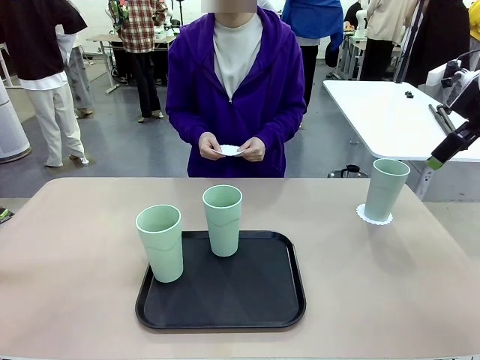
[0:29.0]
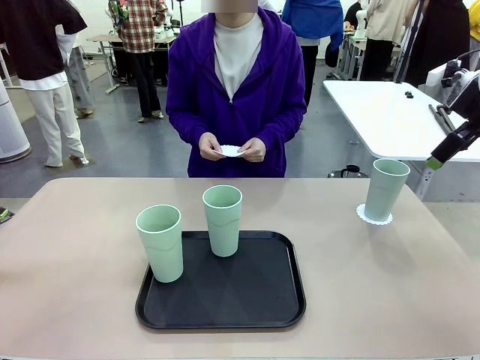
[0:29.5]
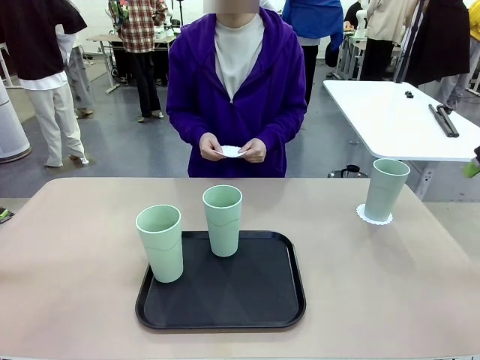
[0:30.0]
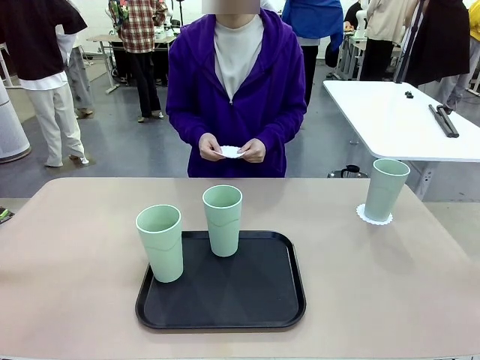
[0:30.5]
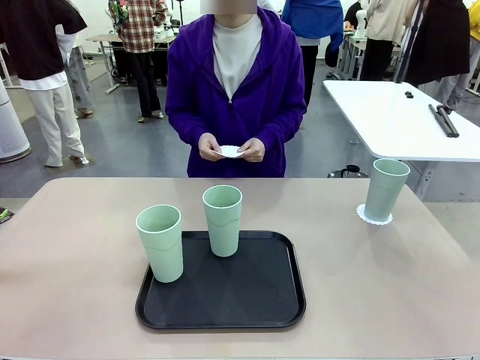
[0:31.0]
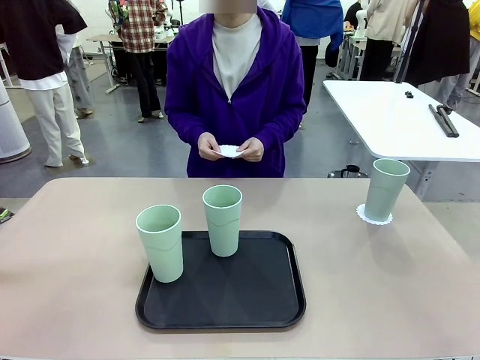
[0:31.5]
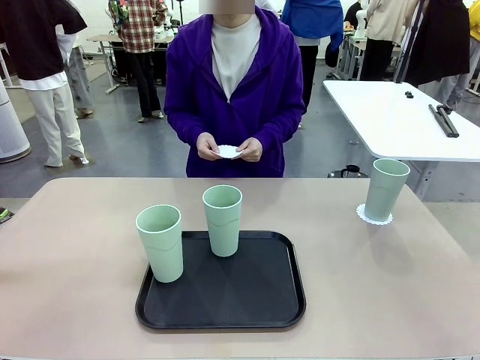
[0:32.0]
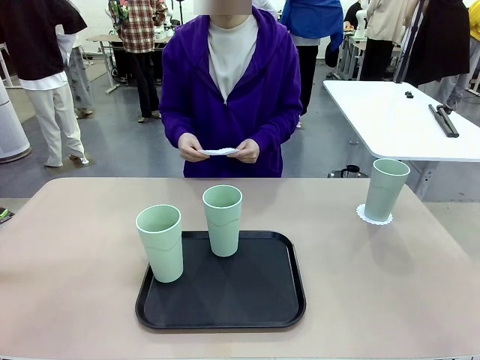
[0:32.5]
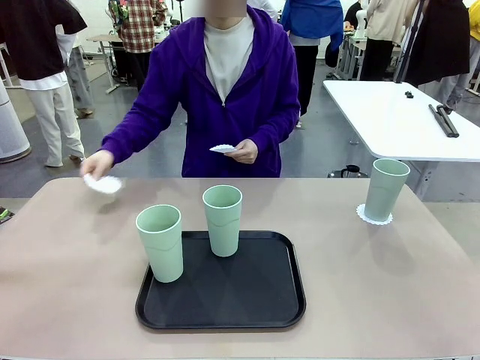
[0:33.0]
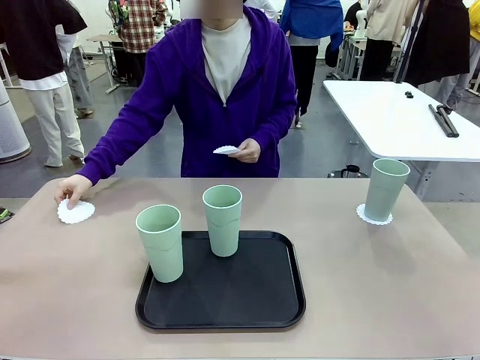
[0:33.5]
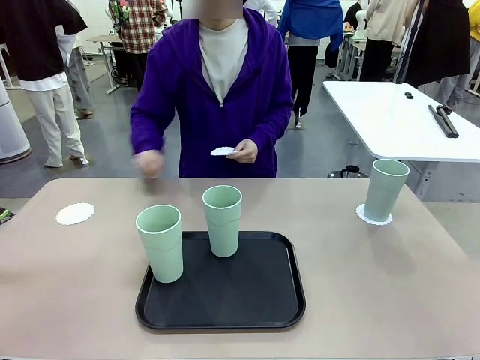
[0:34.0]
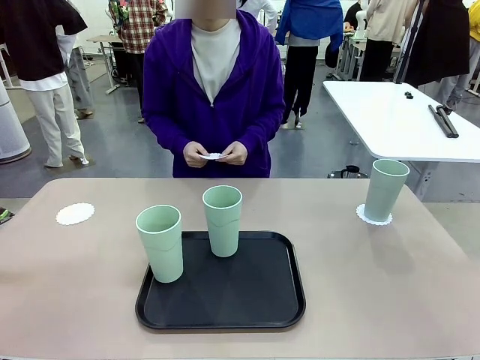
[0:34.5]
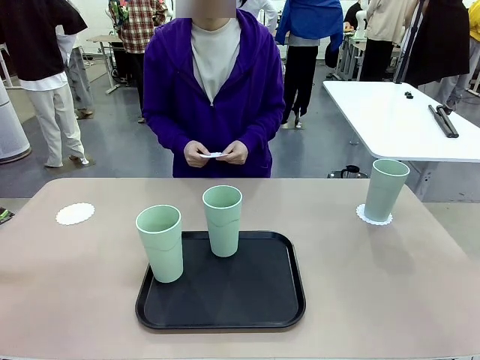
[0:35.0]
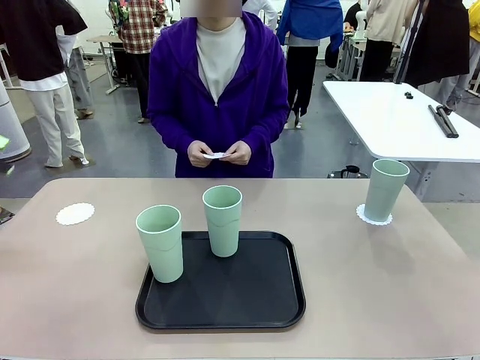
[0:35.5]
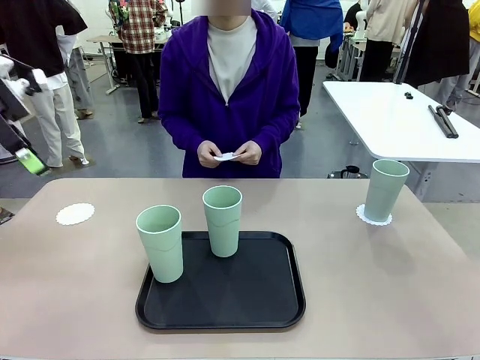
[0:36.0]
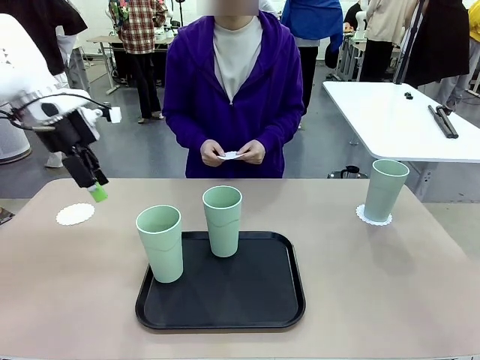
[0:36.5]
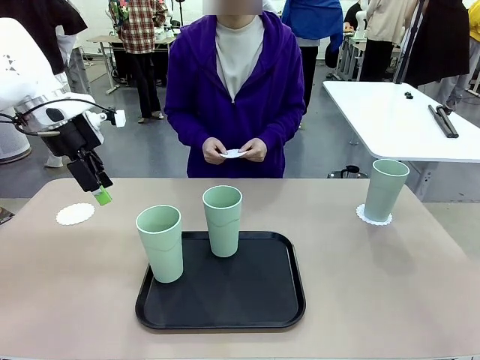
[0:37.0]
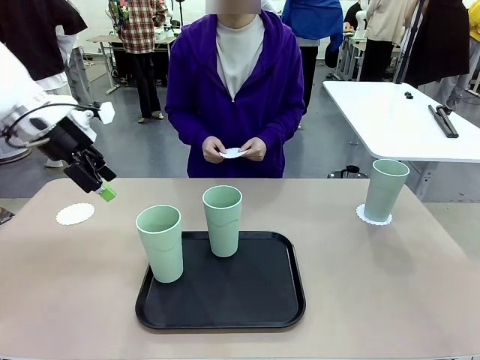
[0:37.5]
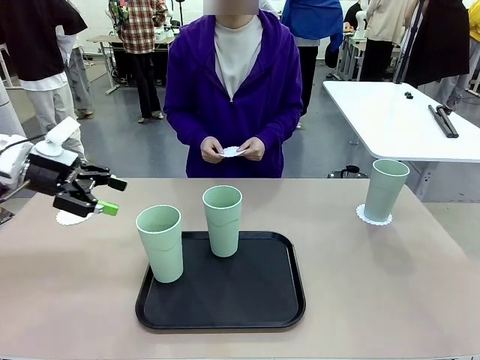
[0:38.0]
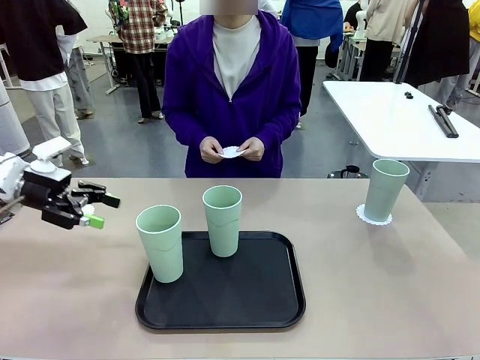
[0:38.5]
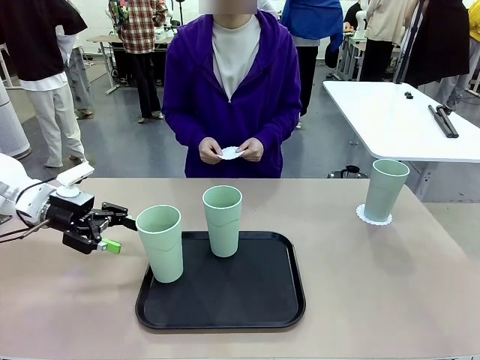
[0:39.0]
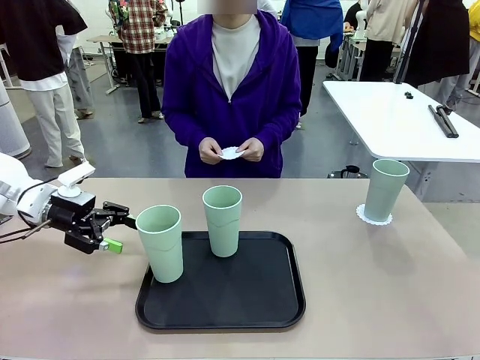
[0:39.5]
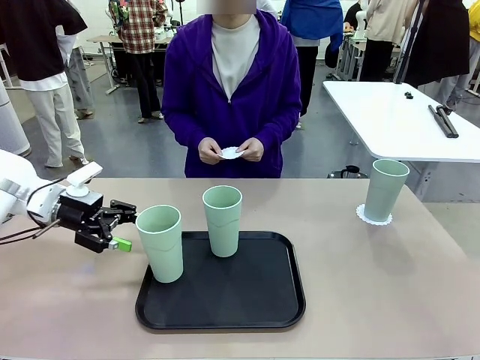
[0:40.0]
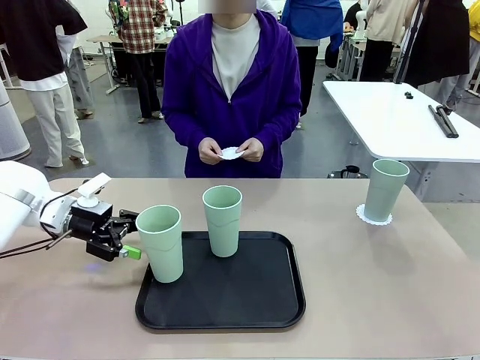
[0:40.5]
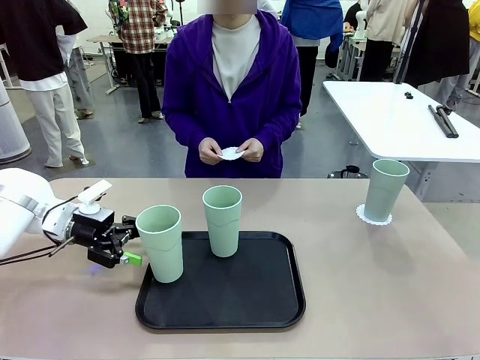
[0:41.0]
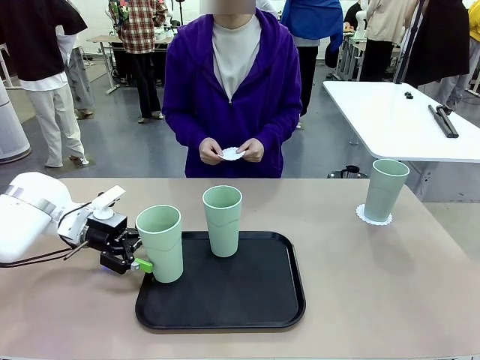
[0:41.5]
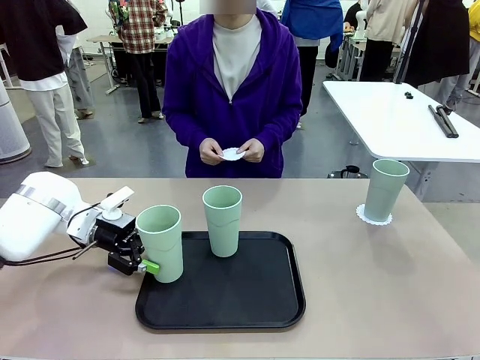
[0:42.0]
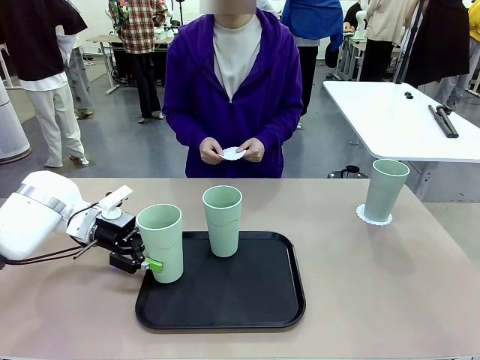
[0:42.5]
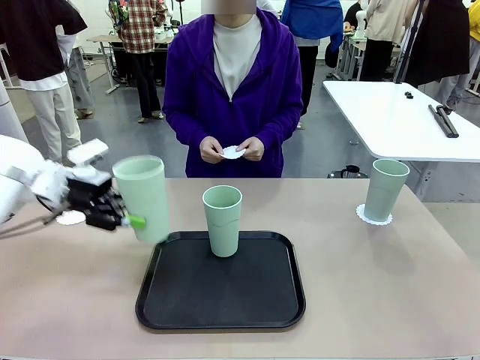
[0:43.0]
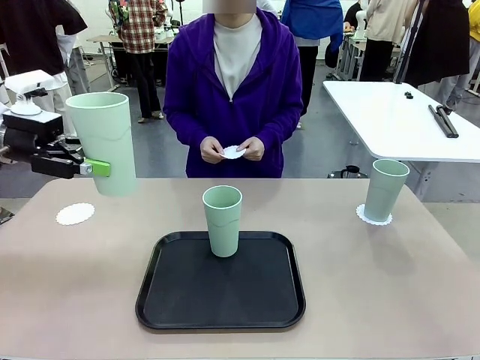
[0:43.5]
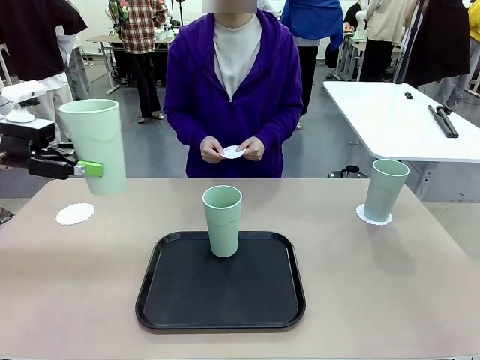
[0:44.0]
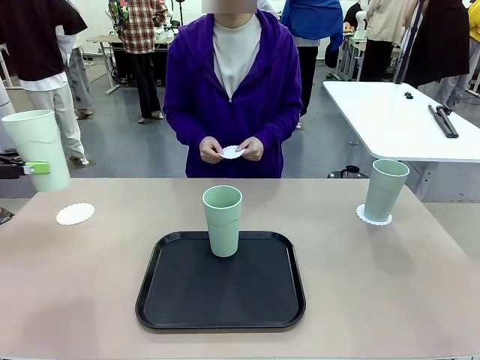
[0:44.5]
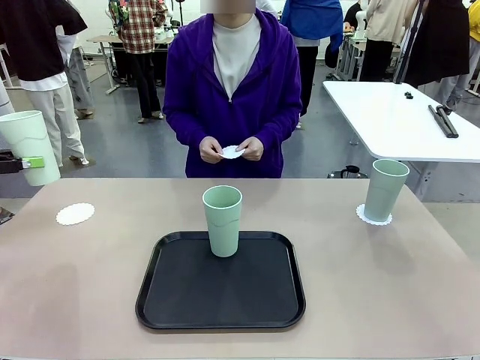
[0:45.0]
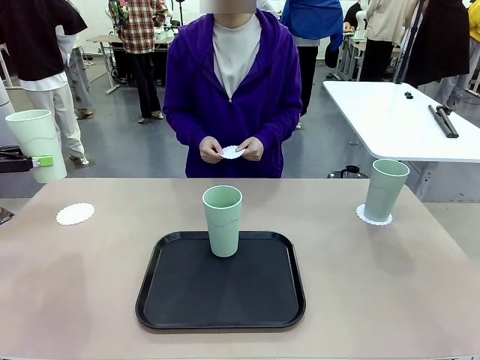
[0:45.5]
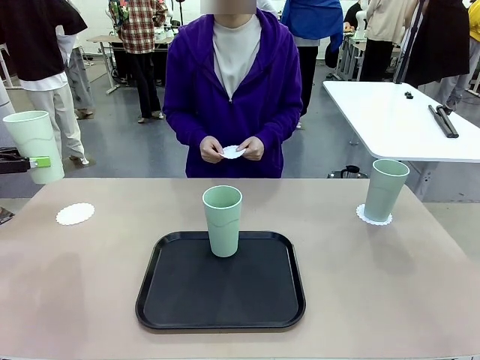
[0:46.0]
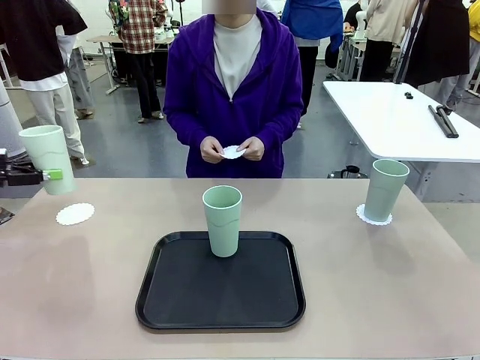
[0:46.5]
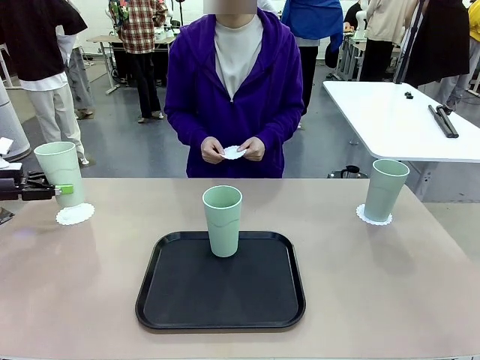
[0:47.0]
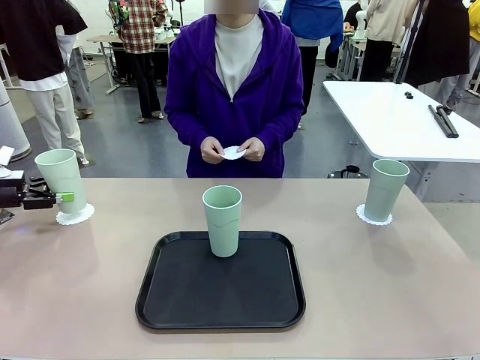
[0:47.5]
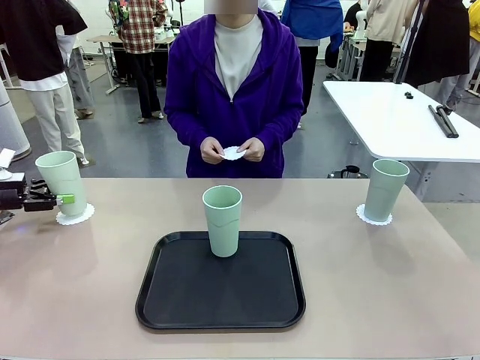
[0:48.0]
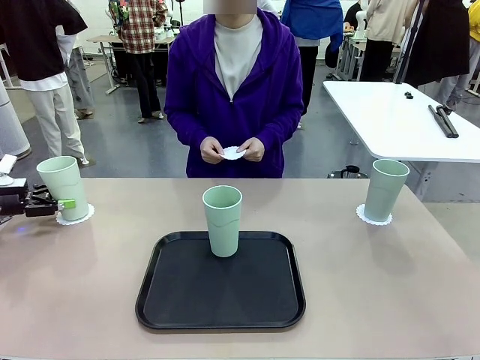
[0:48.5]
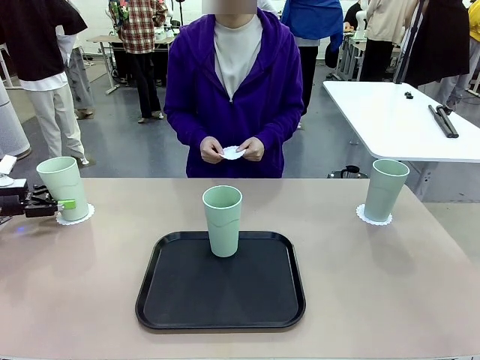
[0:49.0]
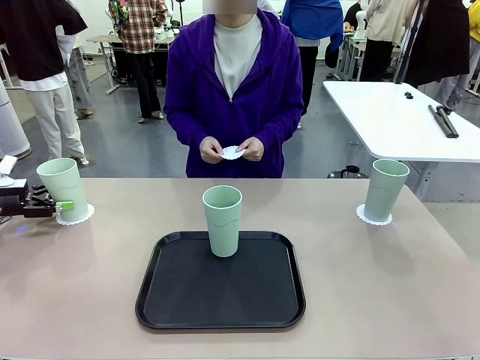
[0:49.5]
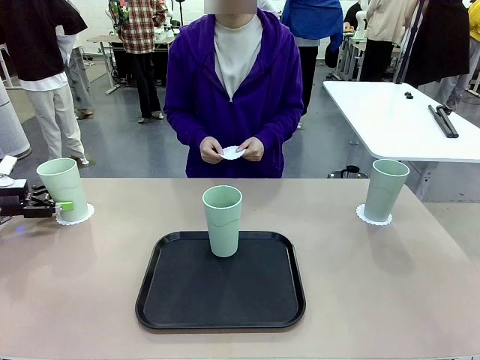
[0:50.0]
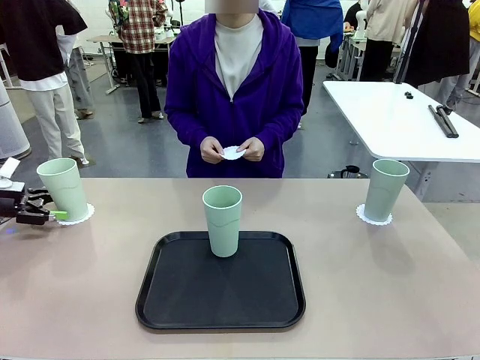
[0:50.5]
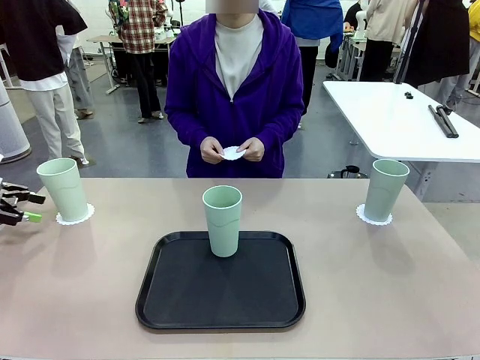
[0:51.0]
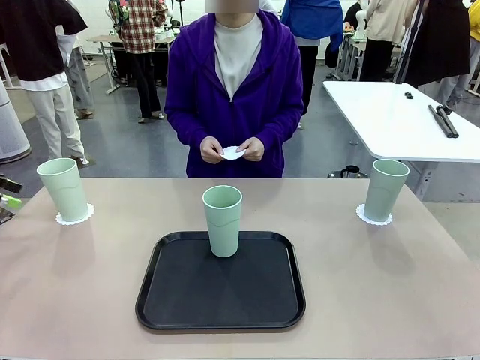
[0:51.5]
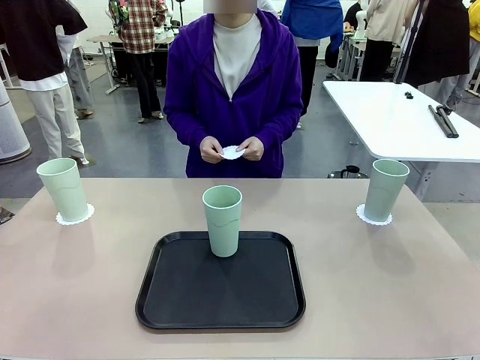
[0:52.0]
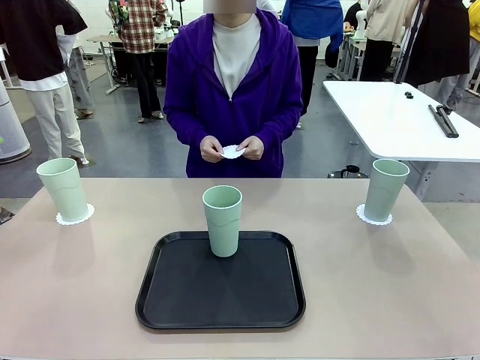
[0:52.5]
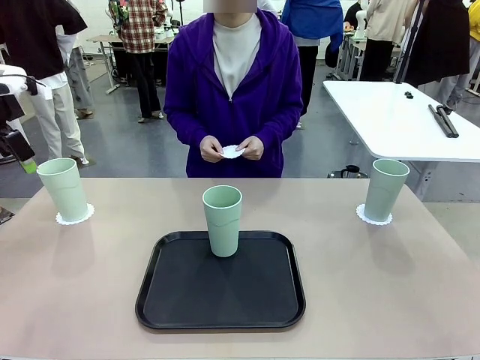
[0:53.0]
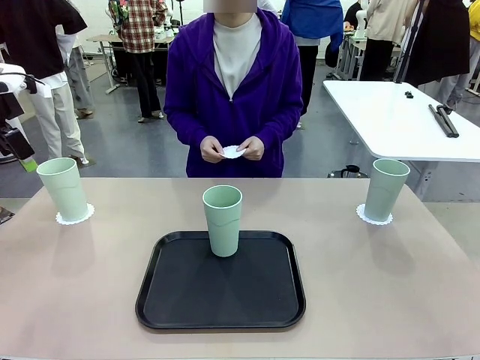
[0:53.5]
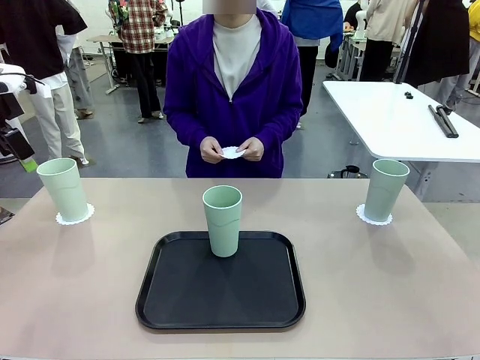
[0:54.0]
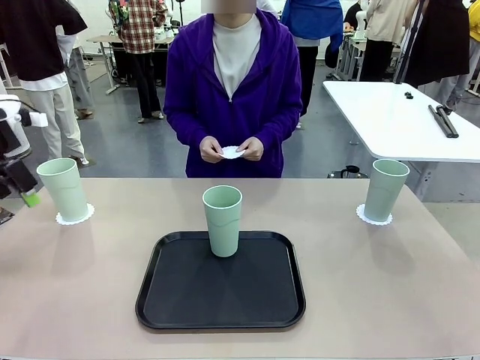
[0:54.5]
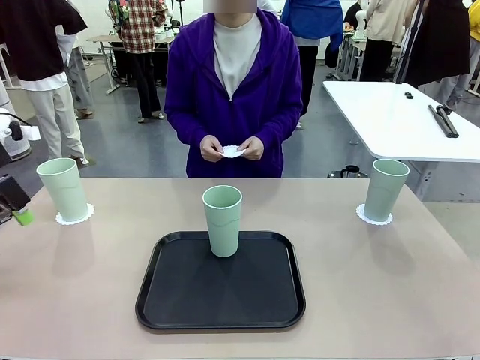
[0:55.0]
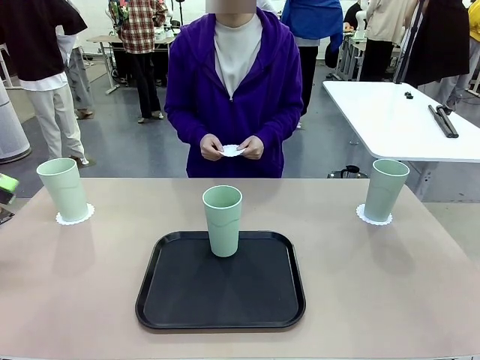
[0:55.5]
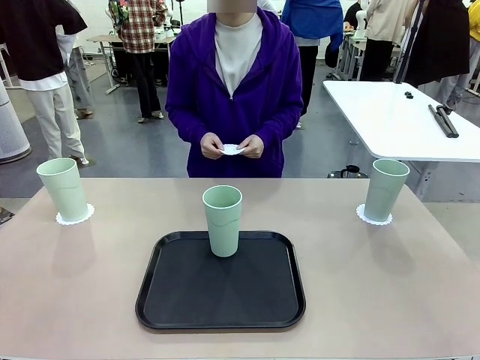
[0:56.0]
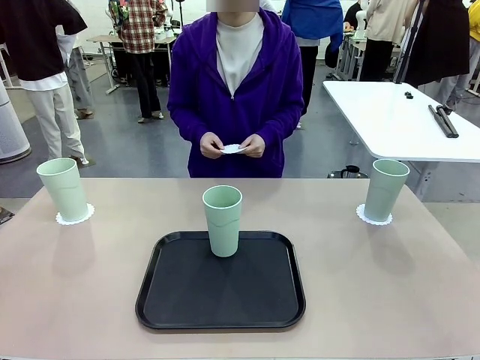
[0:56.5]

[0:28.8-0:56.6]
Task: Place coasters on the table and set cups on them.
Robot: Take one Reusable plastic cup from the Flat Tray and place it on a coaster set by the human.
